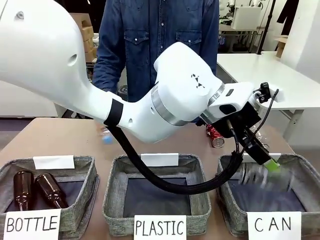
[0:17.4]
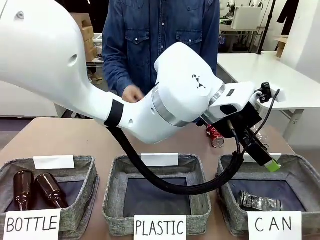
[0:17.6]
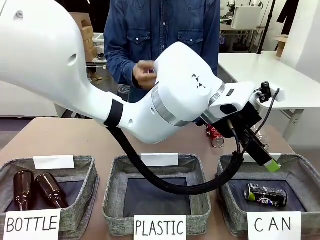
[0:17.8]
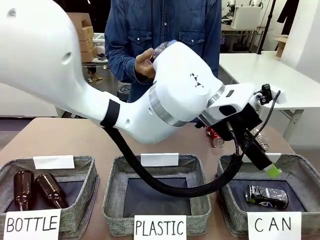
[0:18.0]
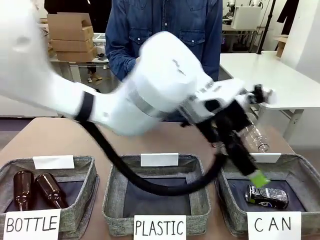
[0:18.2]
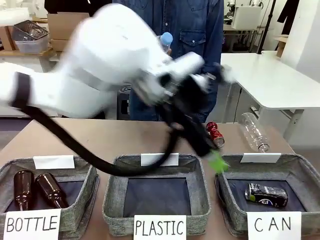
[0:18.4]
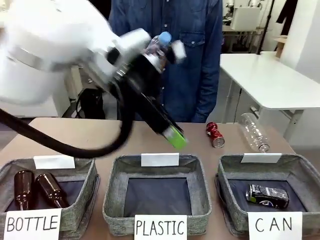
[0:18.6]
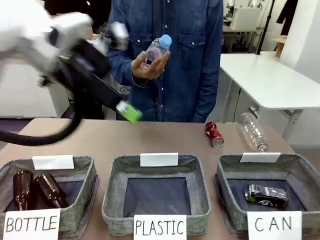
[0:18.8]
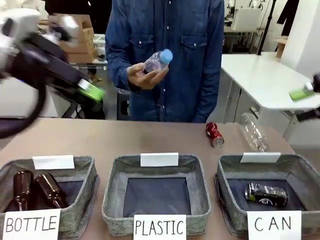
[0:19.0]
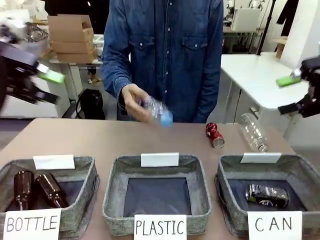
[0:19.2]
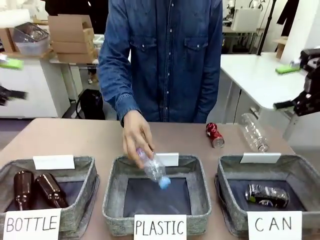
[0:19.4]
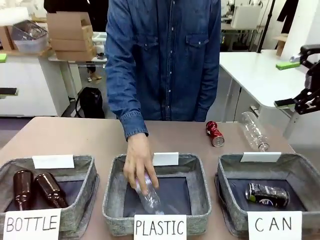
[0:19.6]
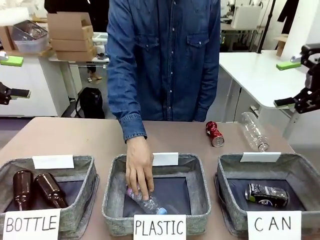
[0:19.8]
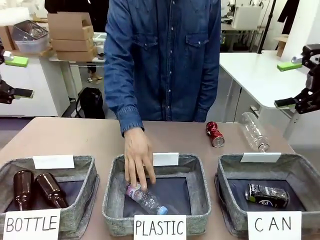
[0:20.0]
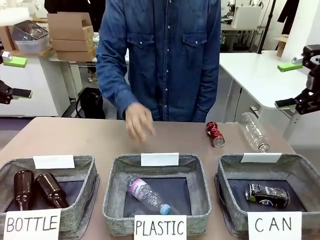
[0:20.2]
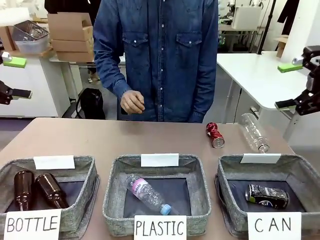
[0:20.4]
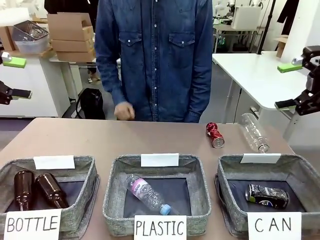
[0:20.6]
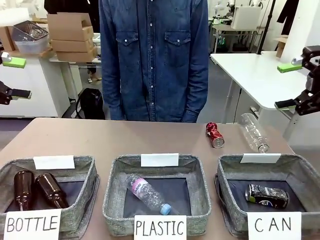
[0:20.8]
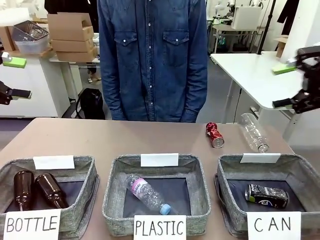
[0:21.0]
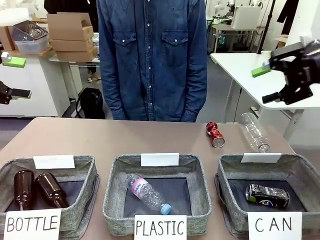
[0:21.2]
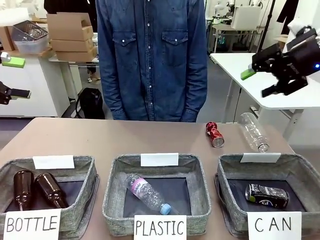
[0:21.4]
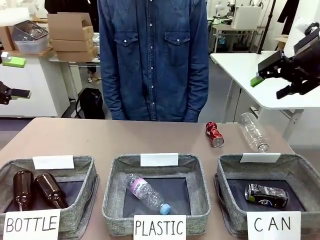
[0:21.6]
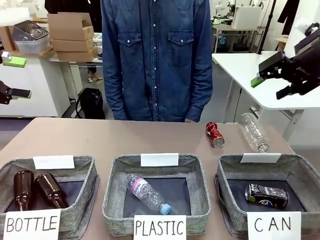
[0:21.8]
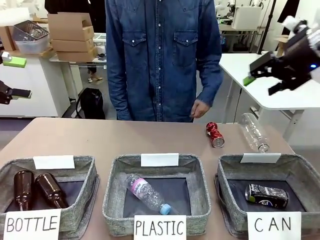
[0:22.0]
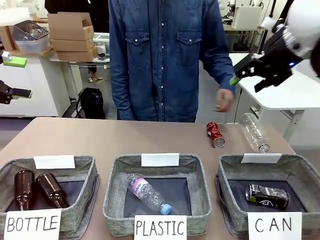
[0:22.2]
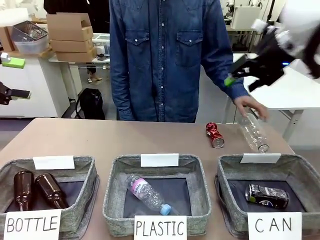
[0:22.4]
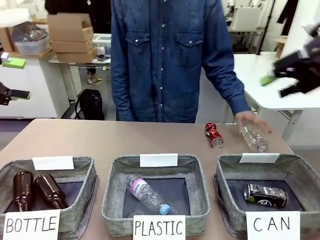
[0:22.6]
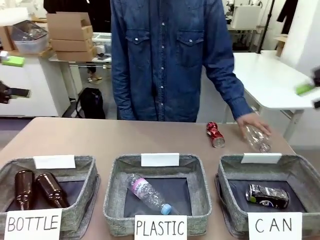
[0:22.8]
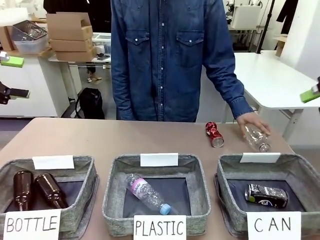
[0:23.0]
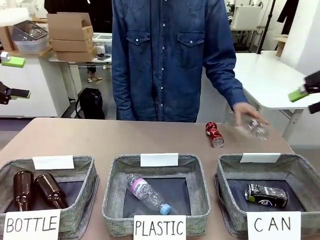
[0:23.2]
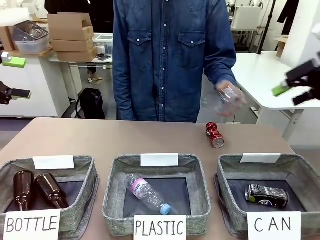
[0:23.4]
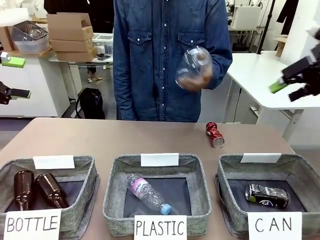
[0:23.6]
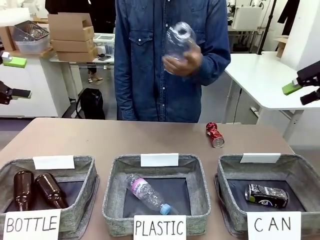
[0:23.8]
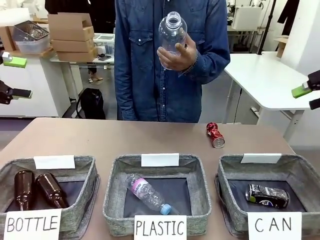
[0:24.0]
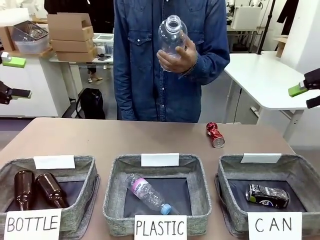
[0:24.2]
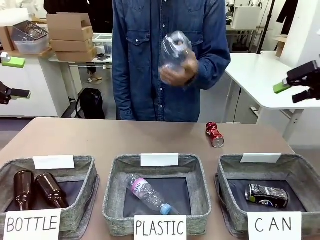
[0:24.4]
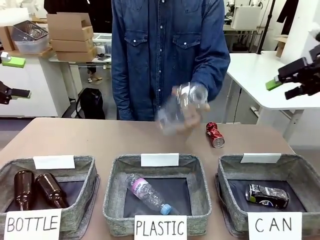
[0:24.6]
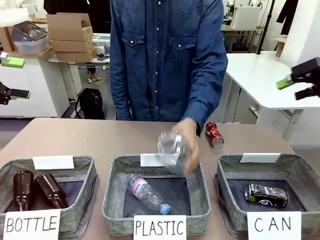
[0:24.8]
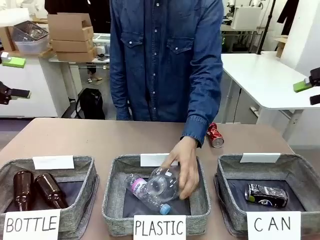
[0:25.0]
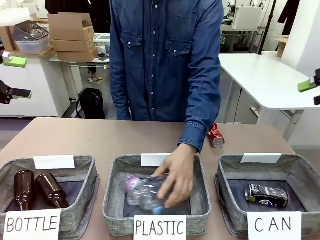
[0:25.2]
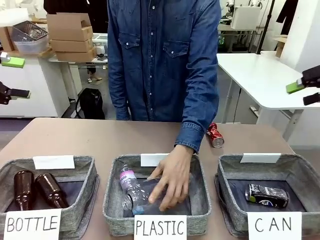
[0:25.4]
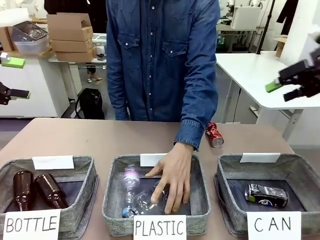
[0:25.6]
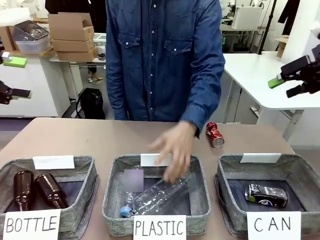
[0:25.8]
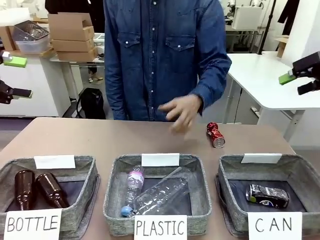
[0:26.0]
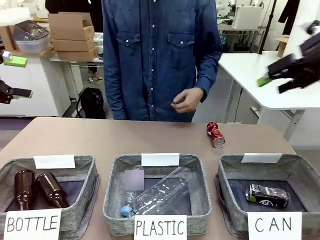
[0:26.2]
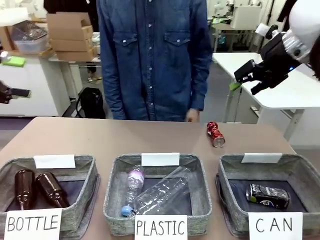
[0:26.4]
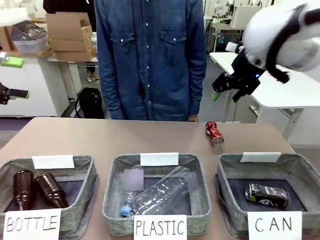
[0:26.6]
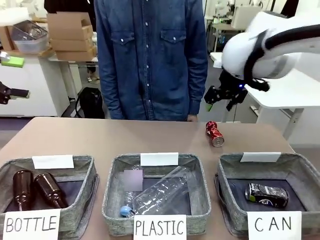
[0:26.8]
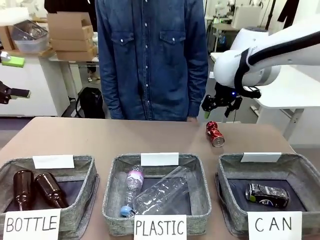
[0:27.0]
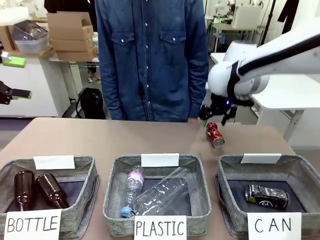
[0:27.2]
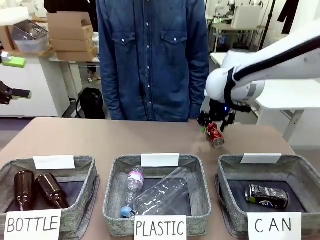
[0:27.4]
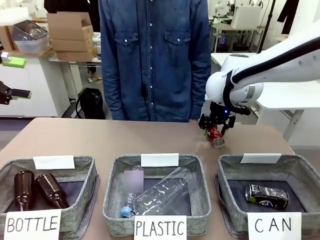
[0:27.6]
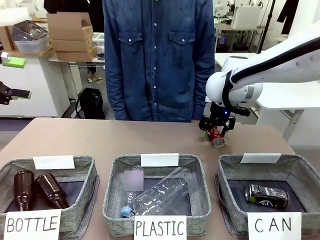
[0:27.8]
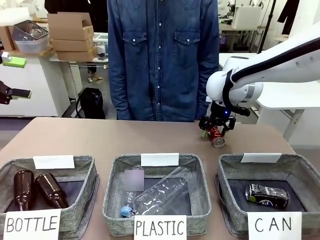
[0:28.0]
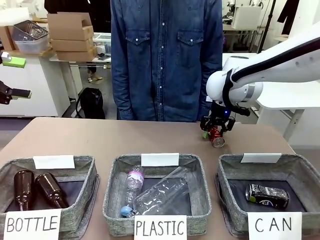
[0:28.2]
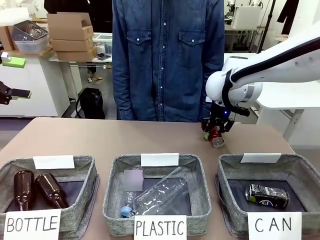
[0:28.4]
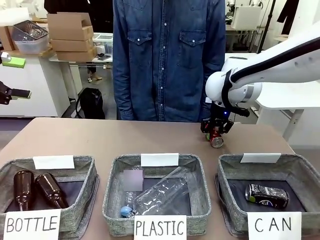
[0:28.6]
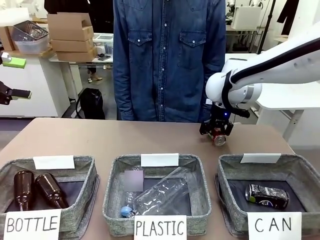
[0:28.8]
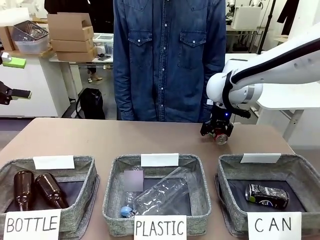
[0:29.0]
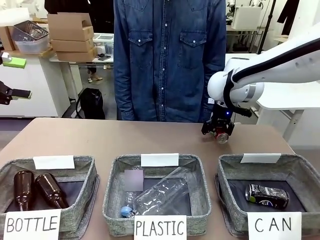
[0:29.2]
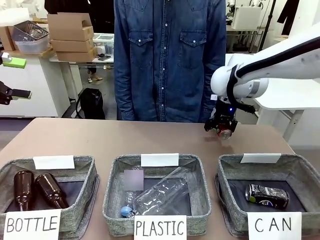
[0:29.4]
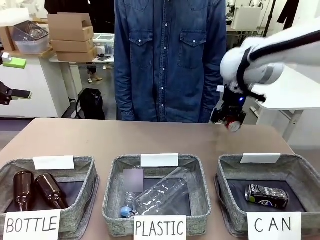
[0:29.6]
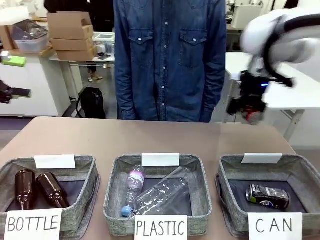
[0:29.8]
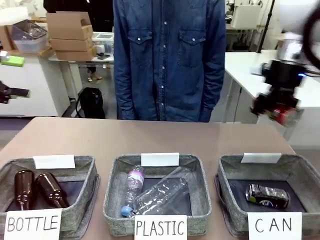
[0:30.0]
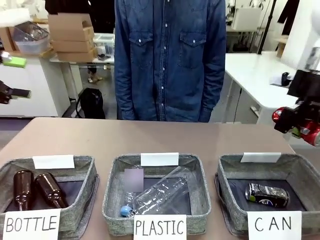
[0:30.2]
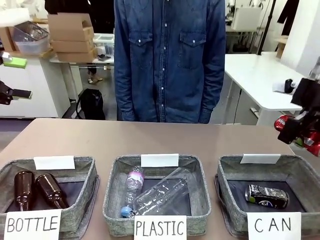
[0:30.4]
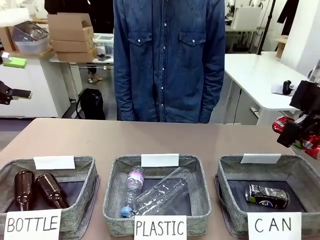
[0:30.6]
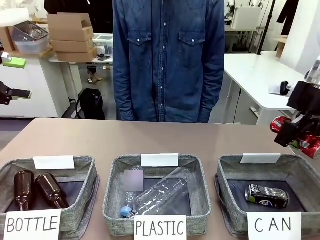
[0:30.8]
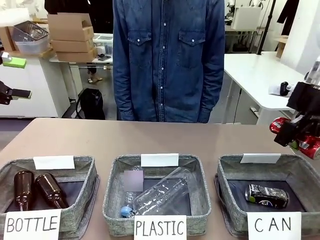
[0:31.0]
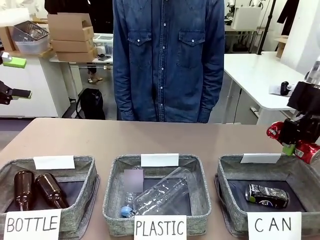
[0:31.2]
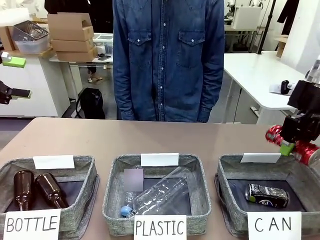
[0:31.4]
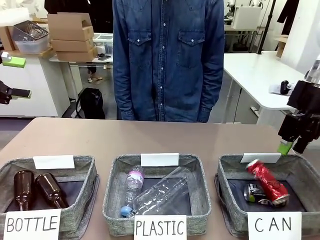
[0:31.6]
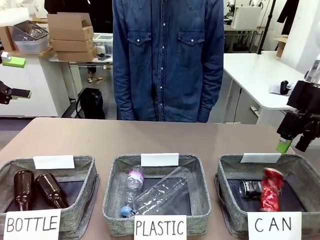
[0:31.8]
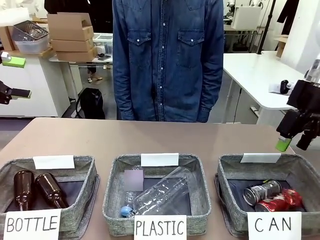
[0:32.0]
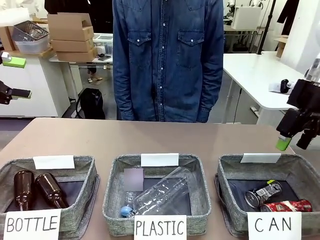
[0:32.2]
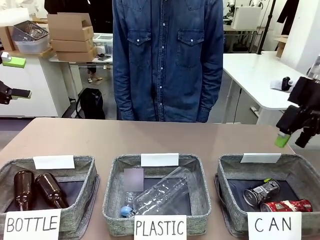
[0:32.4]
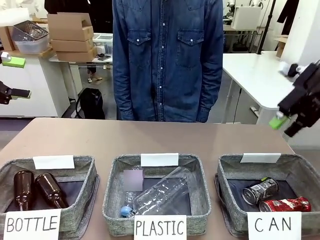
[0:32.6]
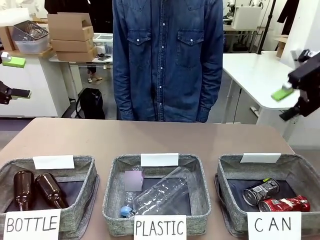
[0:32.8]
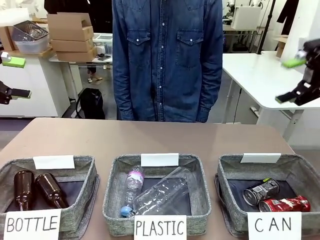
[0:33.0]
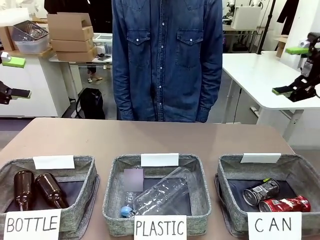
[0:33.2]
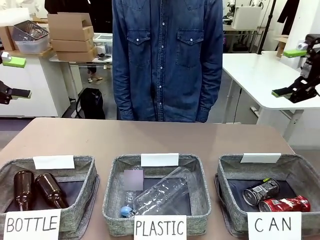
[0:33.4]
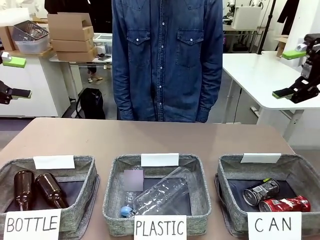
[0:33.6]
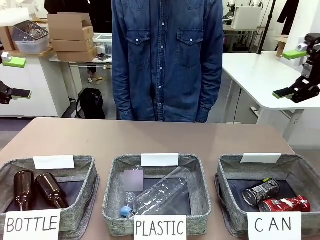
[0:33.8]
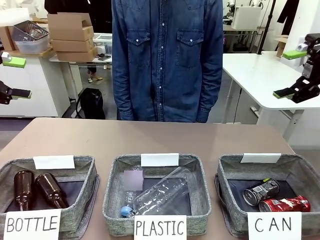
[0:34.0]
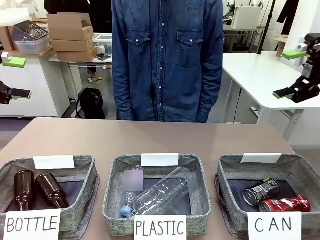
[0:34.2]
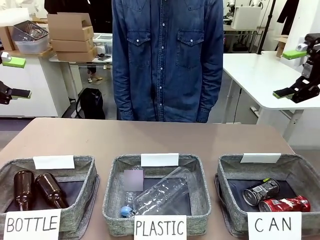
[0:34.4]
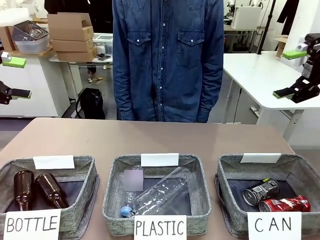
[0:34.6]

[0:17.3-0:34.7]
Task: Sort the can waste into the basket.
Robot: Pick up the can waste from the table and place it in the right Fabric basket.
Person: The human picks up one piece of trash that is not a can and places the trash into the appropriate organizing basket.
